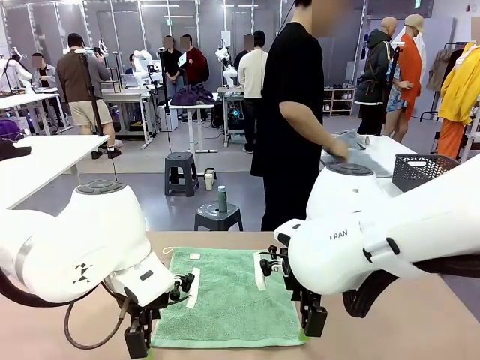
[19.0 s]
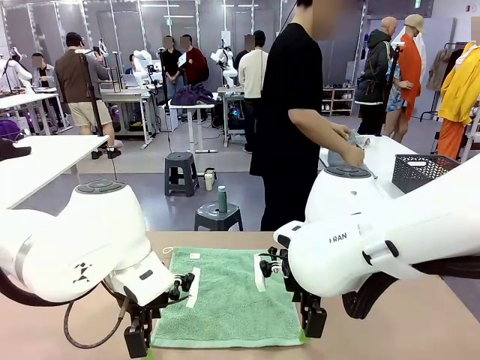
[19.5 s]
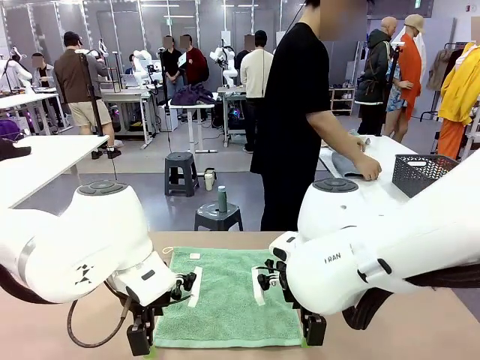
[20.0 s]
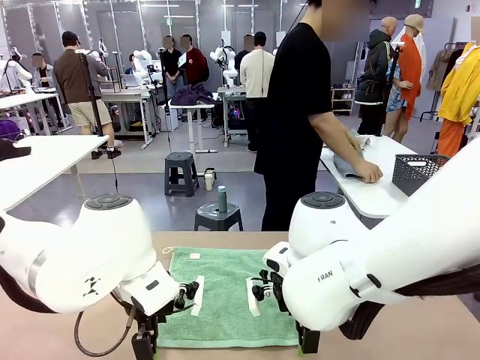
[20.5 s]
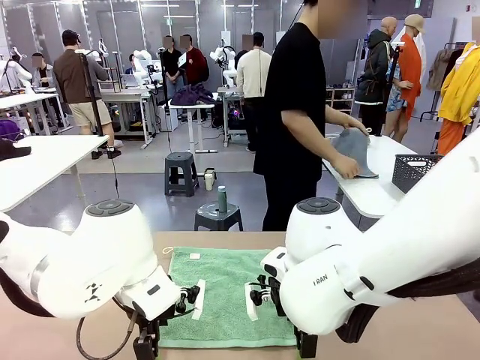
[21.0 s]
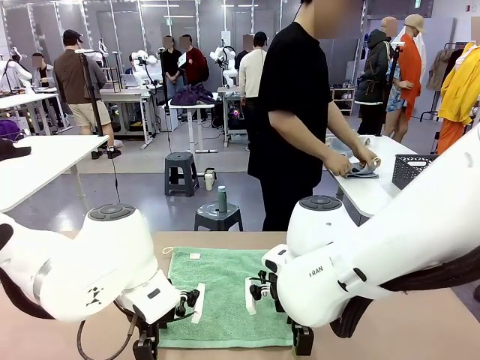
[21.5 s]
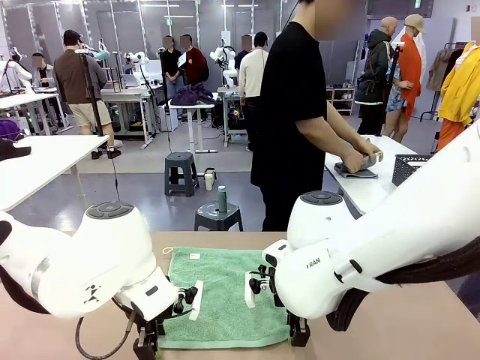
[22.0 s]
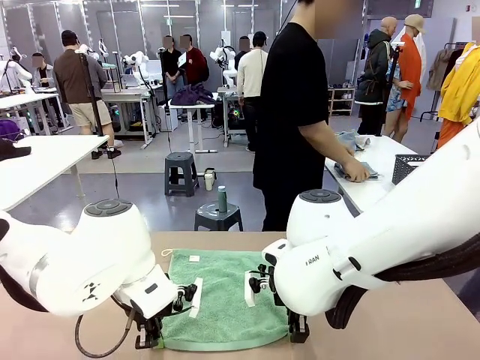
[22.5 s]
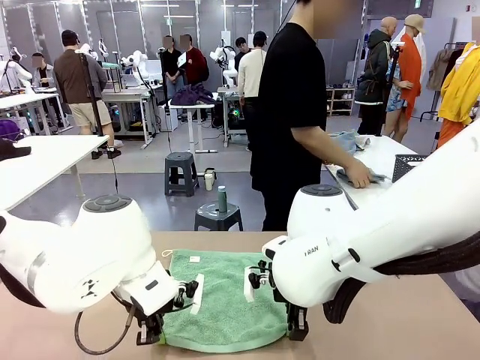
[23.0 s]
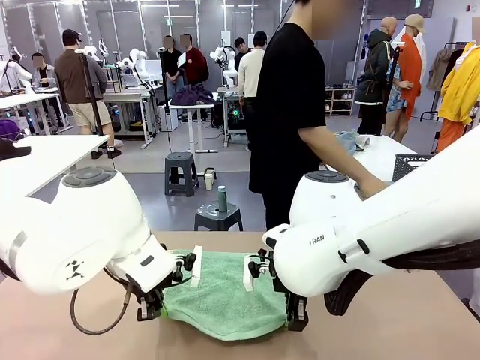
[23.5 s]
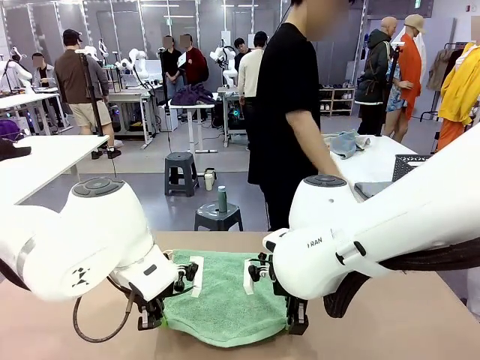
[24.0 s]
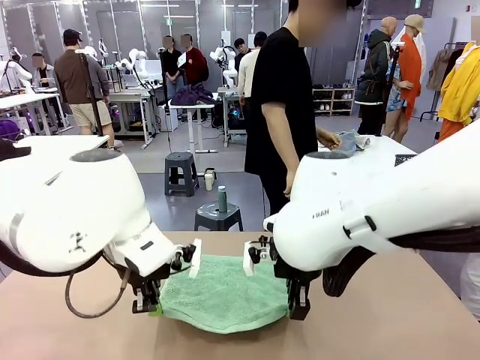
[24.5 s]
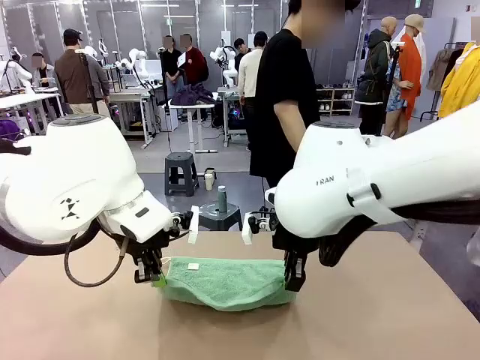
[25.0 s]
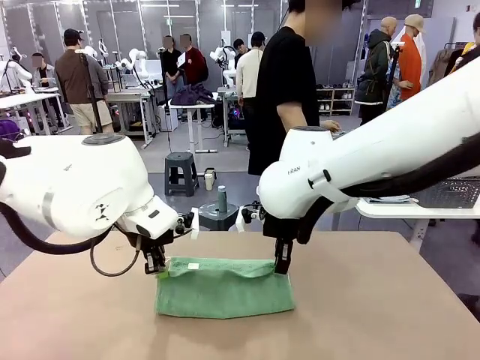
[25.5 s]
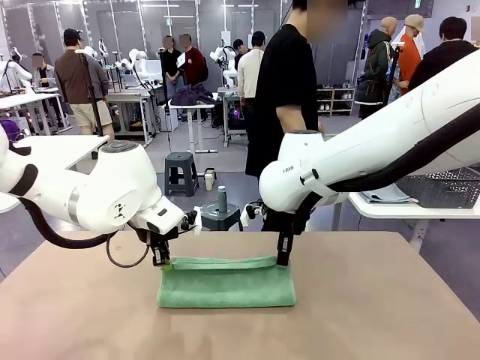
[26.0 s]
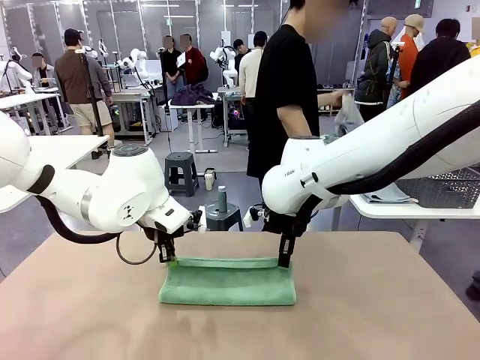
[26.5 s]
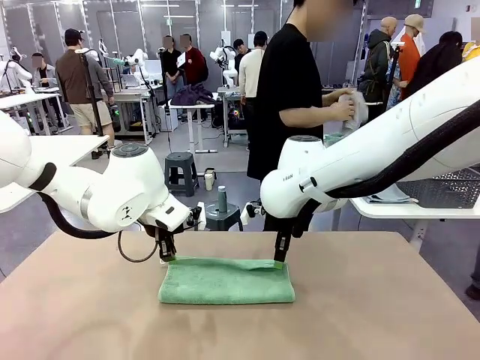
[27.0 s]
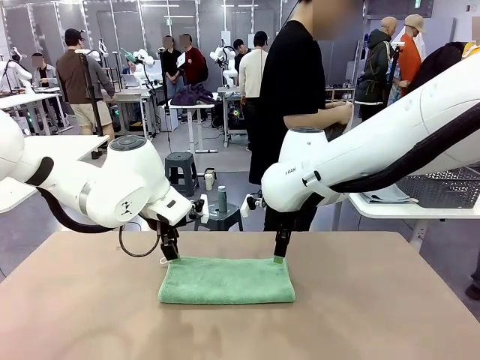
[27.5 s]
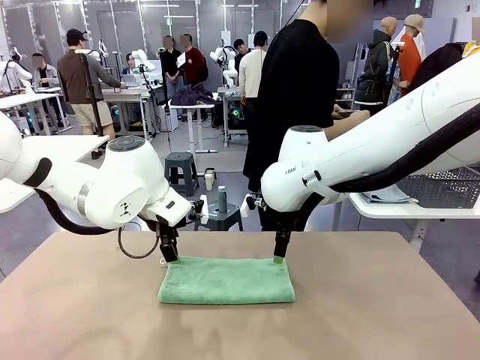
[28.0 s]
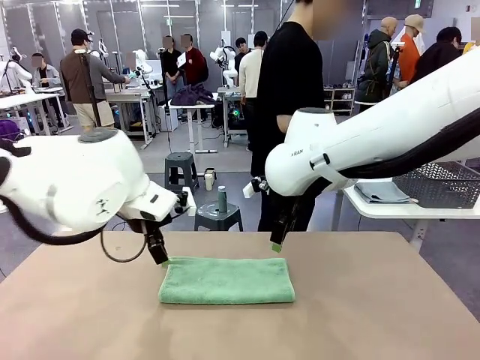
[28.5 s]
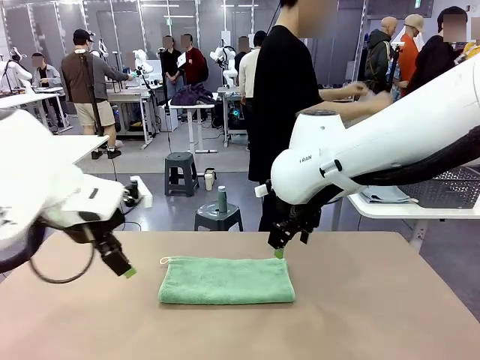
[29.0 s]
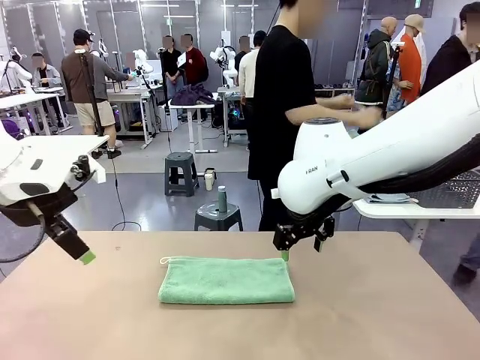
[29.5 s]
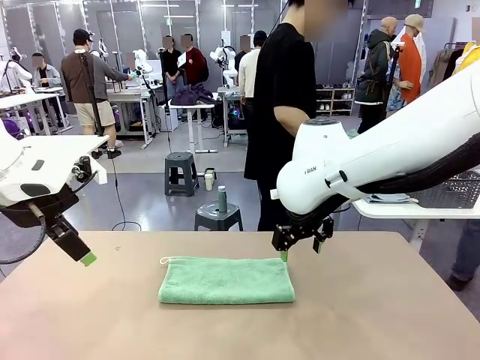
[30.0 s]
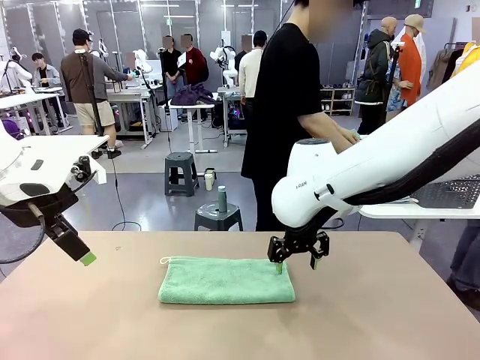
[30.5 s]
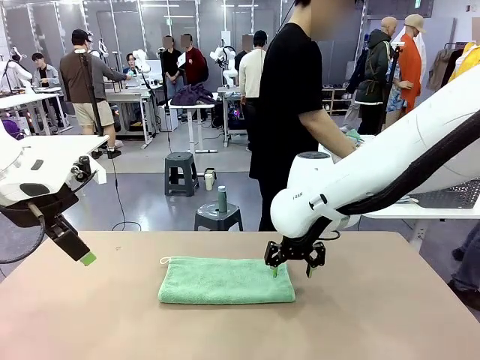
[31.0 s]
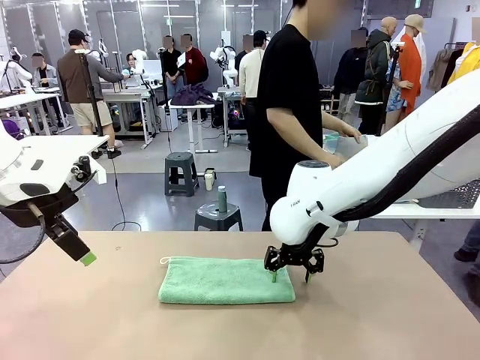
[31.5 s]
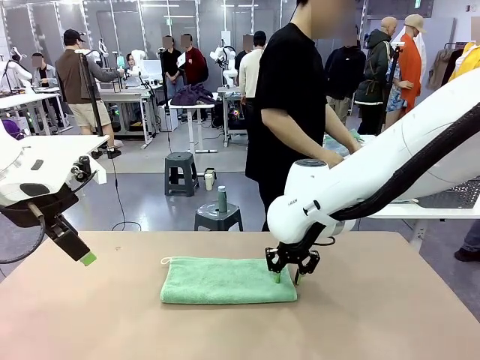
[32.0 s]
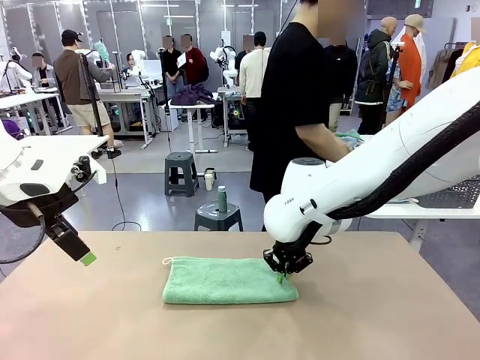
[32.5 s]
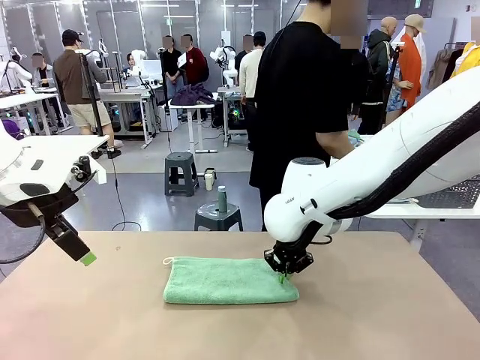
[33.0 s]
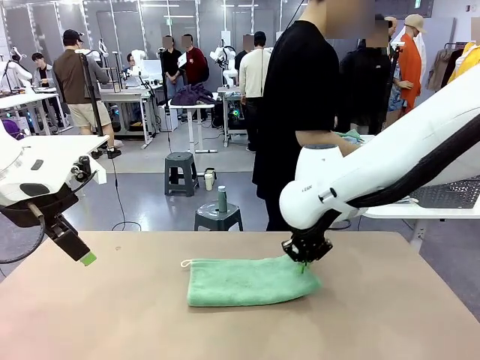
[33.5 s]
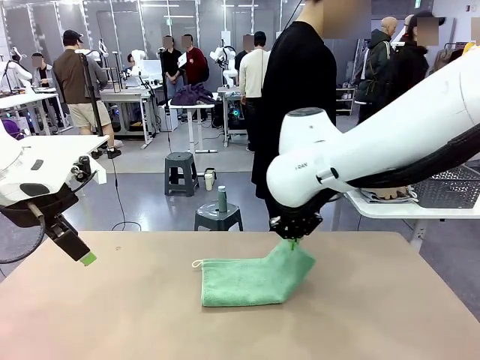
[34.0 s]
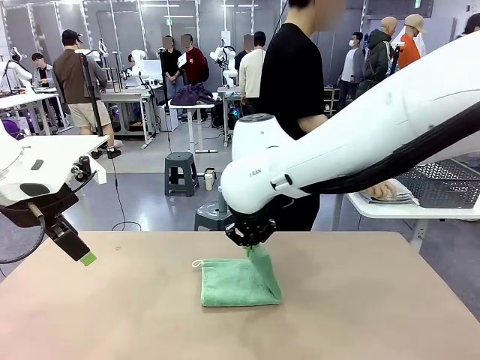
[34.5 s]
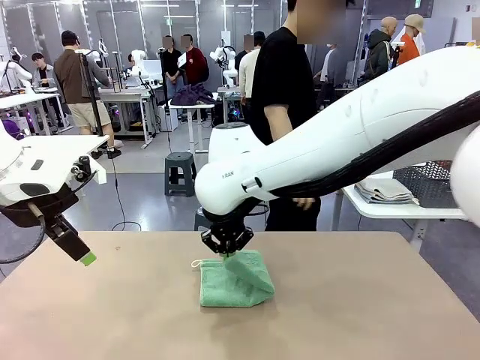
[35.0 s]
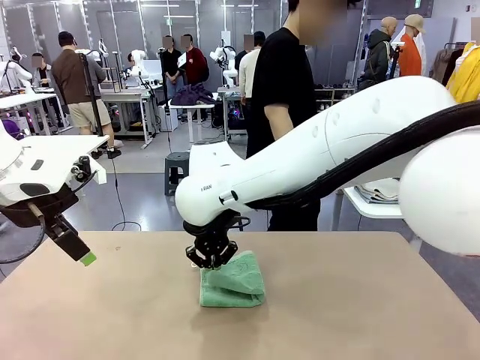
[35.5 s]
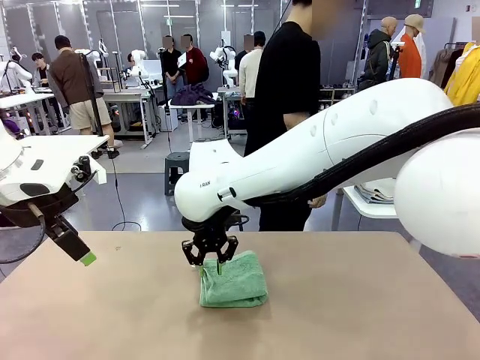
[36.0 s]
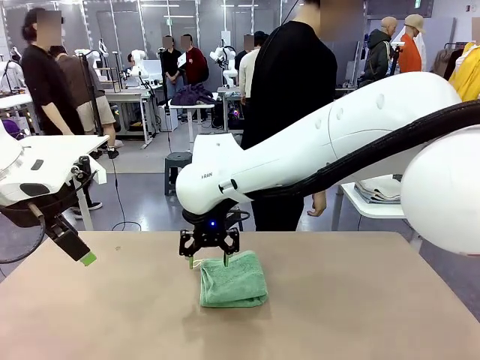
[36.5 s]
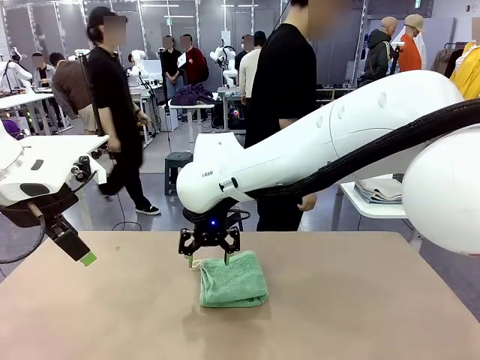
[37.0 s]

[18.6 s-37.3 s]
Task: Fold the towels and place them in the basket.
Robot: When a person lays out a Towel with hook on the table, fold it in half twice.
Person: Pick up one towel from the left side of the human table, fold it in half twice, and place it on the right side of the table. Pick up one towel from the left side of the human table, fold it in half twice, and stack it on the right side of the table.

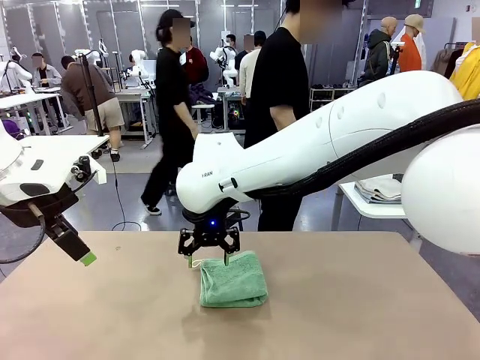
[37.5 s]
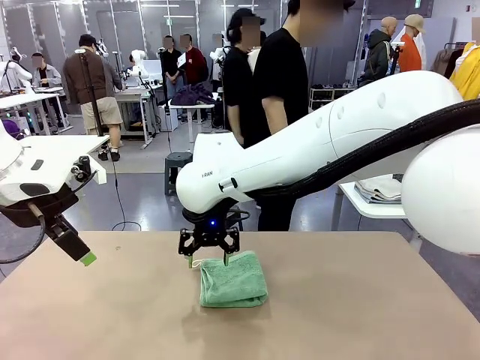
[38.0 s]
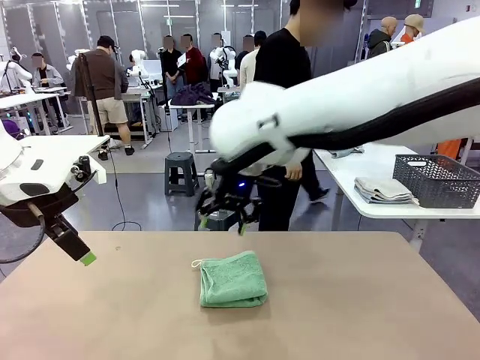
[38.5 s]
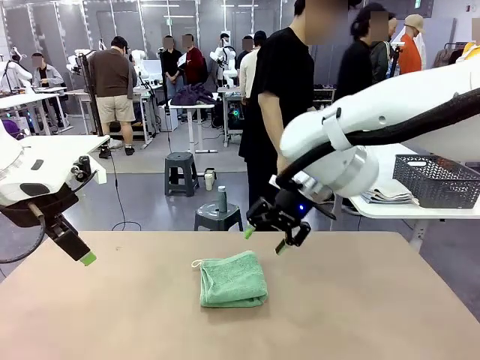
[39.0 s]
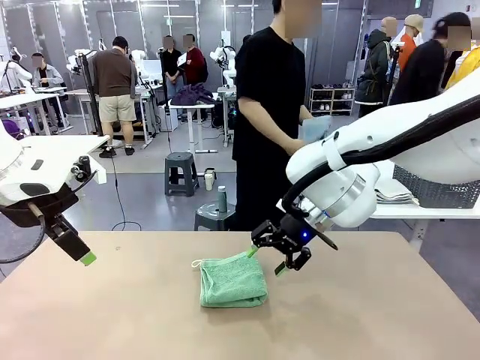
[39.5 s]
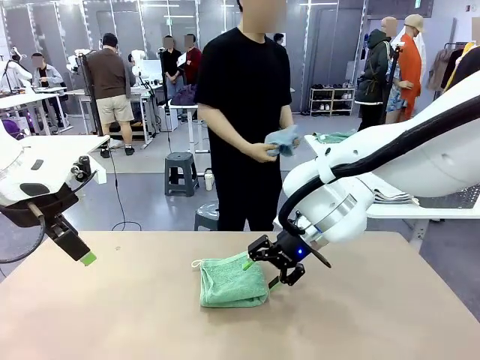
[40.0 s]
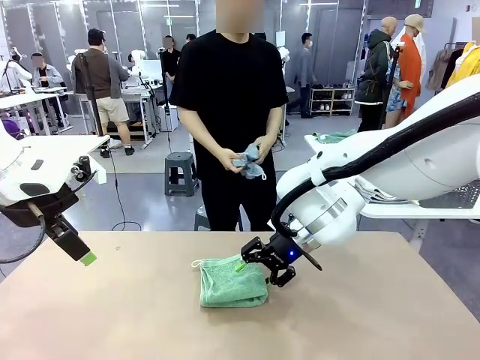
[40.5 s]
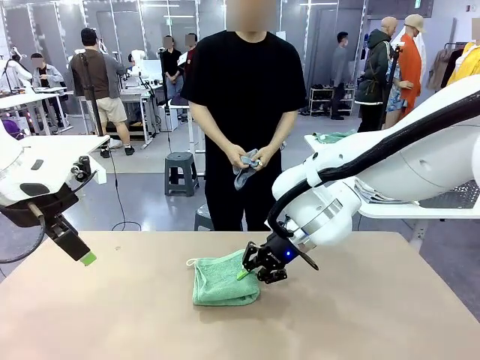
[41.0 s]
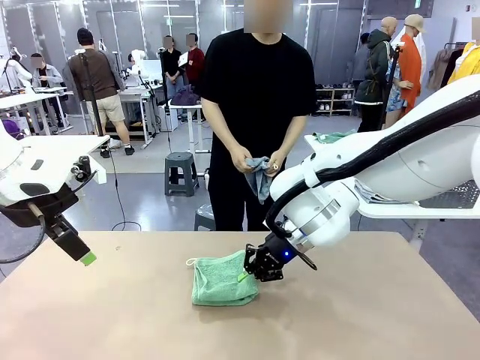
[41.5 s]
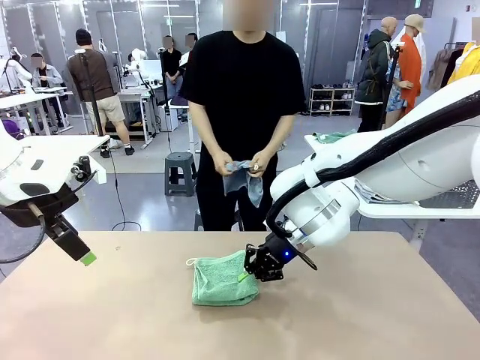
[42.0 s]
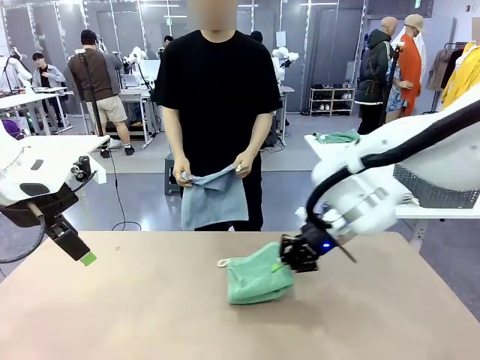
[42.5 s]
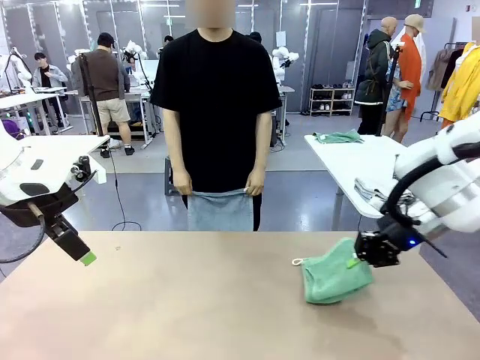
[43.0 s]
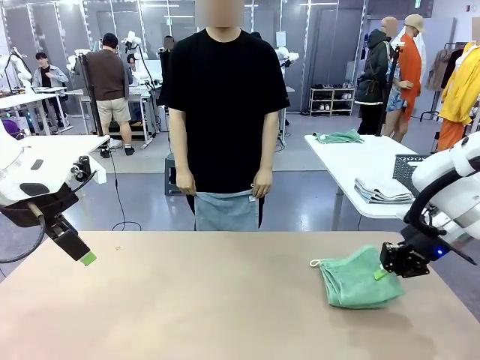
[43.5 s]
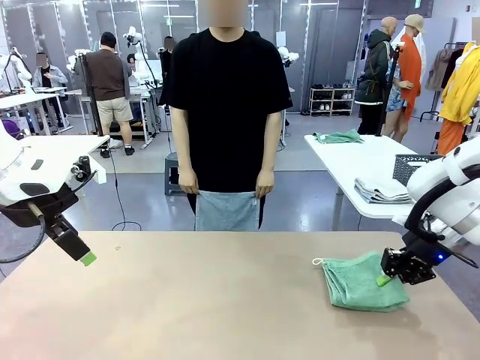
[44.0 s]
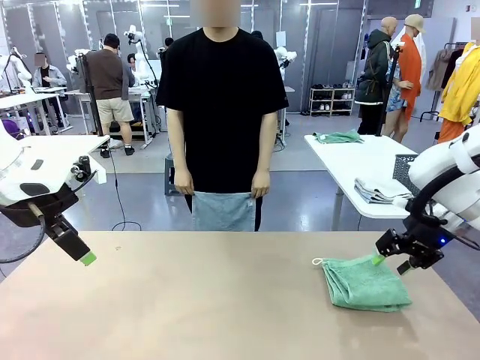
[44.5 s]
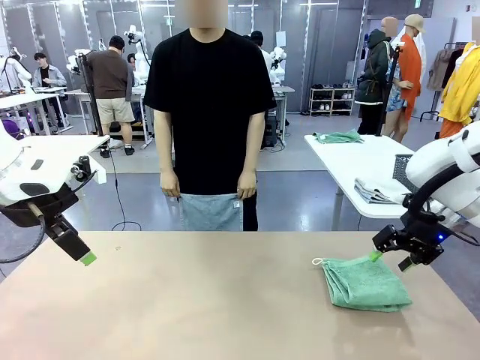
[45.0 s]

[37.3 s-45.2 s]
Robot: Place the folded Towel with hook on the right side of the table.
Person: Pick up one towel from the left side of the human table and spread it out at the center of the robot table.
